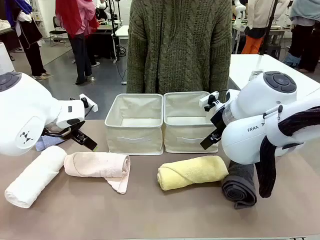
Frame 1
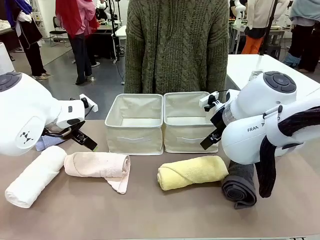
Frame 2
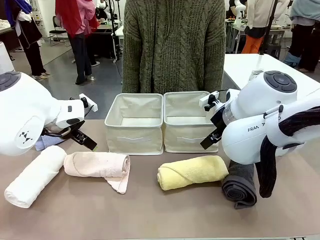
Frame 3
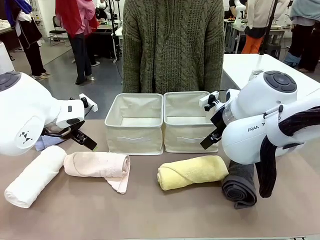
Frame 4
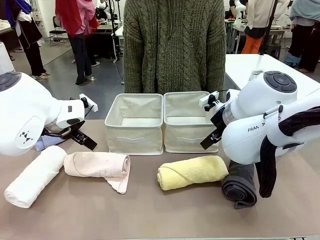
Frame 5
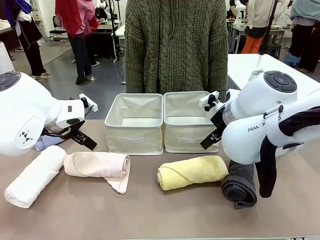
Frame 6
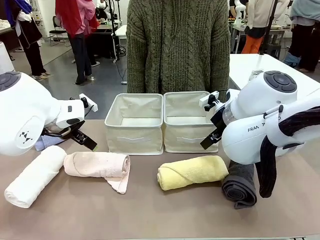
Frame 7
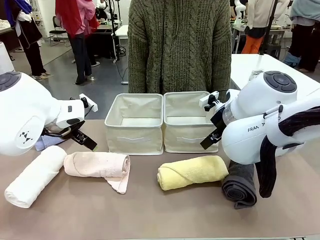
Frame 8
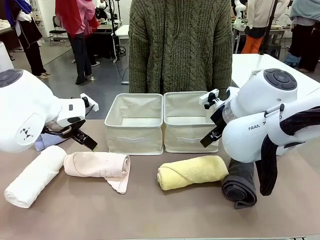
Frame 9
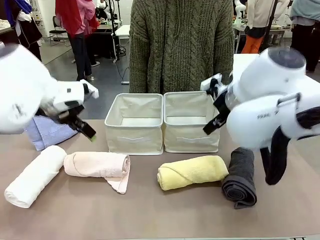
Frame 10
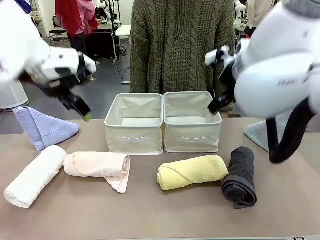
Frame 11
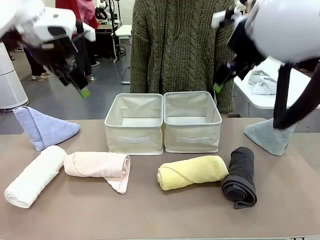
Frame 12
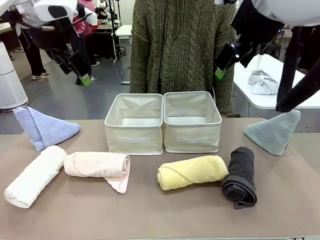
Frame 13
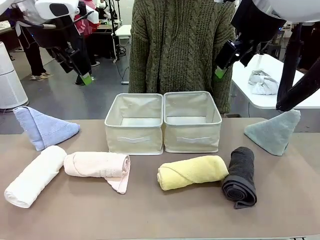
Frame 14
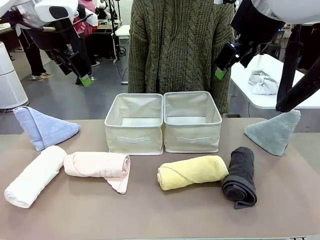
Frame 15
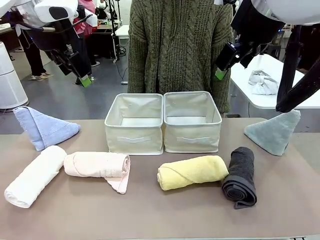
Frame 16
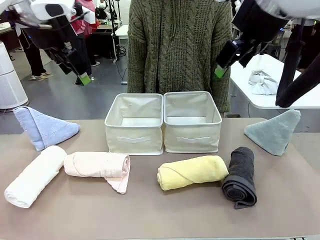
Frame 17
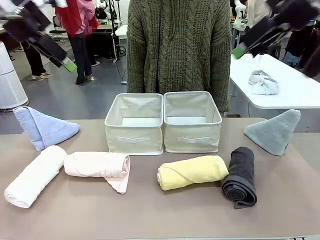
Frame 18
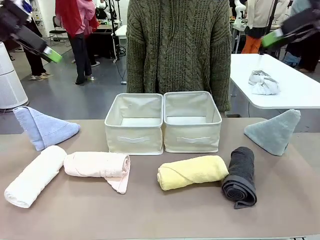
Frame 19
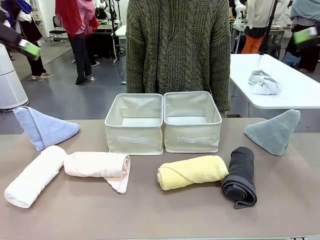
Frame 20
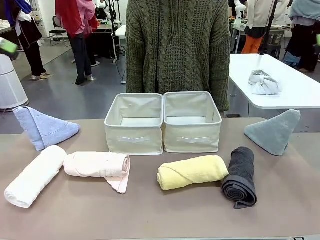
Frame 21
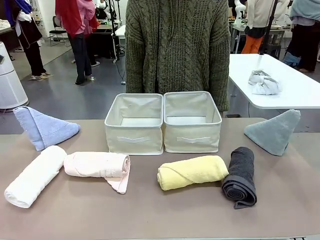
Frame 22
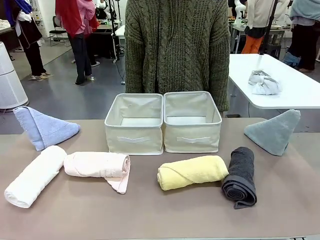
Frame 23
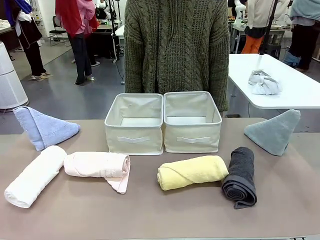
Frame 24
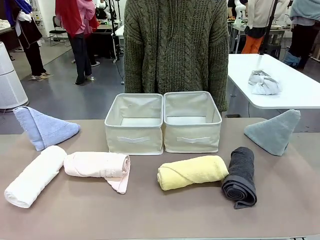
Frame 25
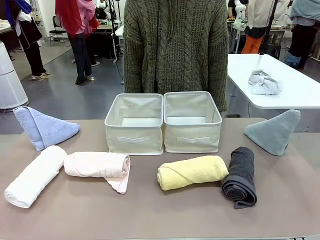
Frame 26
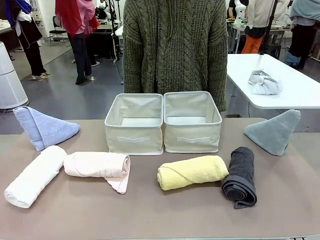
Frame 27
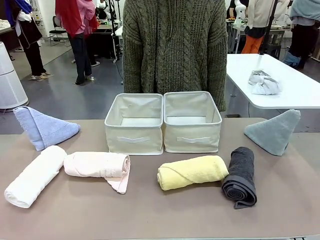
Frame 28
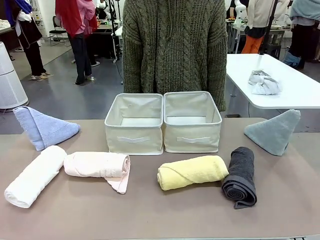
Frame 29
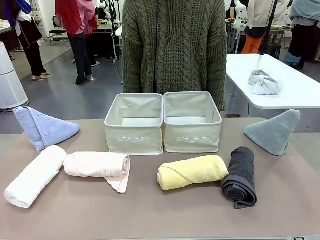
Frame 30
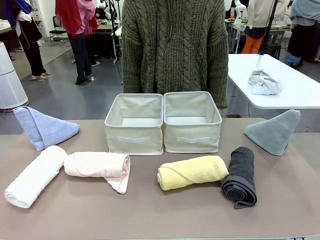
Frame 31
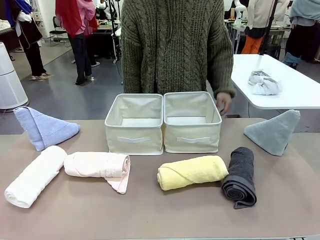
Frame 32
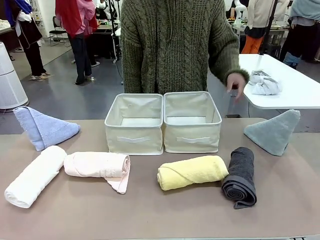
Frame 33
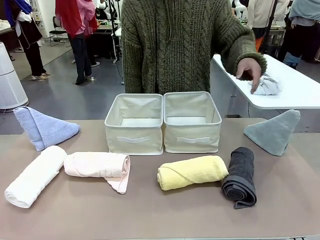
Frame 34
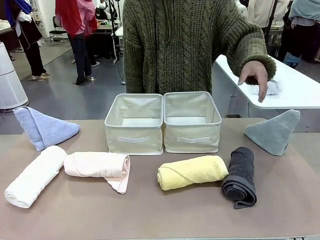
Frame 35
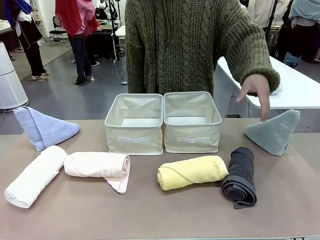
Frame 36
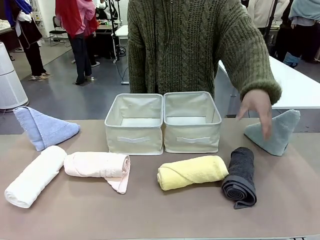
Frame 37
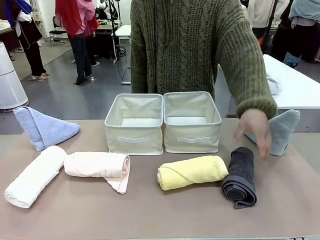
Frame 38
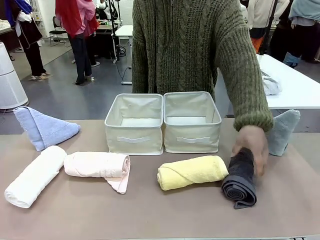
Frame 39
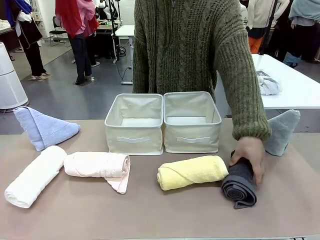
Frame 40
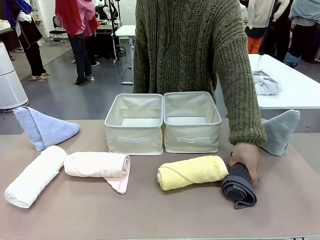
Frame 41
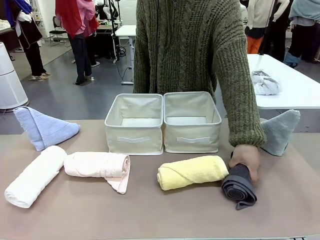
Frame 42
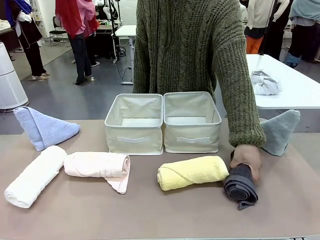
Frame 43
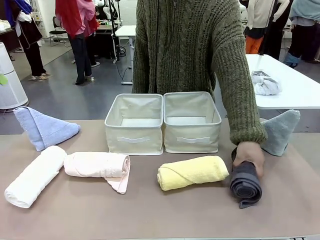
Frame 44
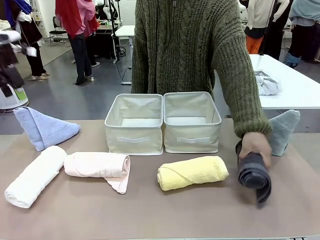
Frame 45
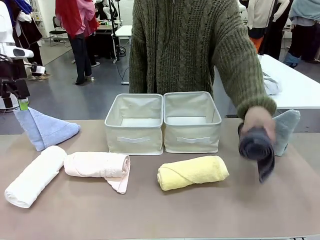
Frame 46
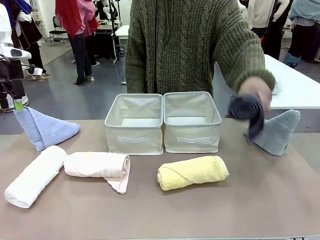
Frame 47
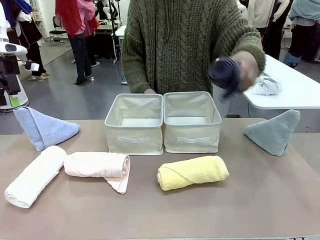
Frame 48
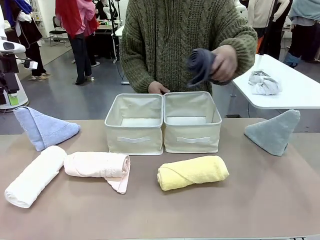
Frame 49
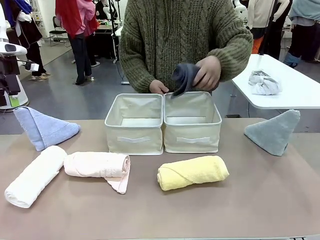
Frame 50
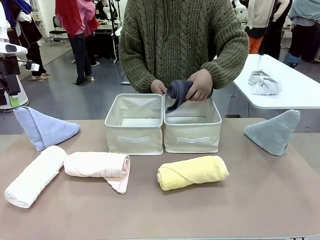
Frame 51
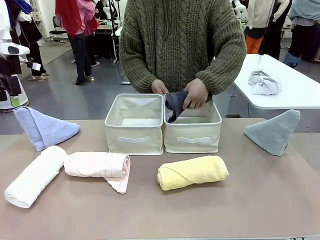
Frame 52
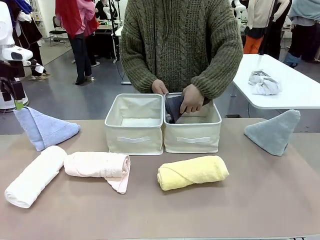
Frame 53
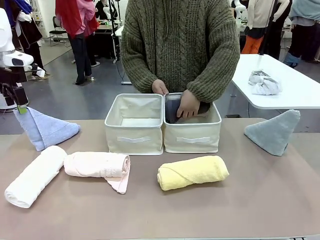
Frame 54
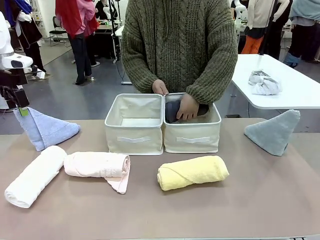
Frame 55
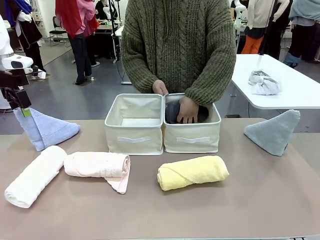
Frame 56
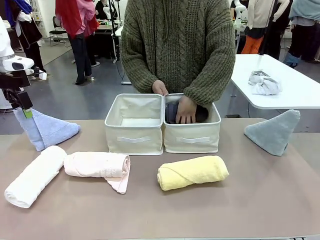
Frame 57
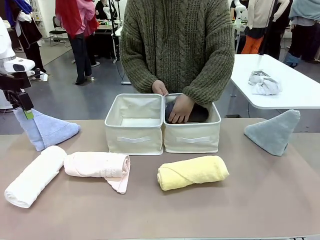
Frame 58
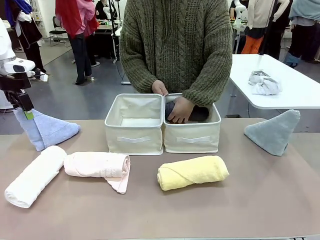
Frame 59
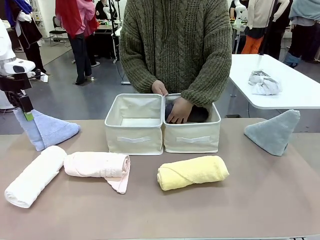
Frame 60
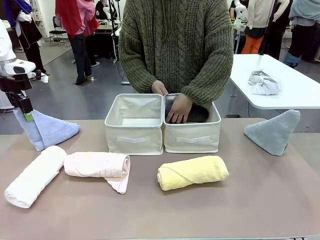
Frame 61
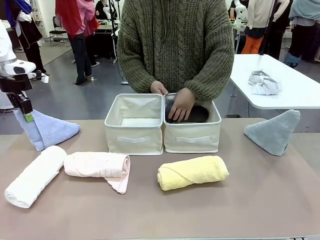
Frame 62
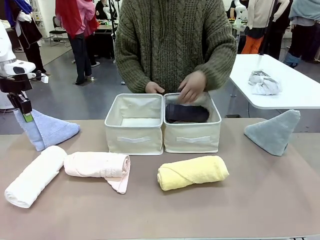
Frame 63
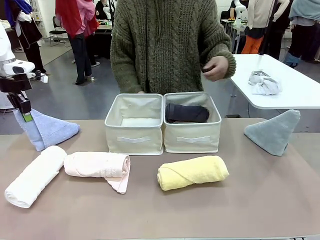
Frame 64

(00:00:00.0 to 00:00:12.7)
Task: Sort the towels based on their folding style.
Robot: Pick up one triangle-folded towel and place it in the left Fabric basket.
Person: Pick up one hotel-style rolled towel and place it in the left fabric basket.

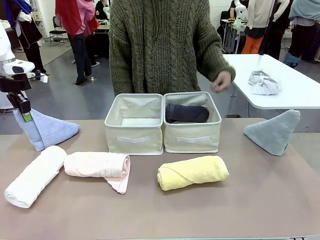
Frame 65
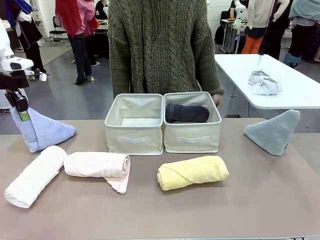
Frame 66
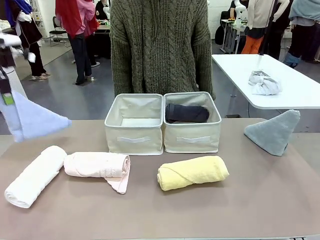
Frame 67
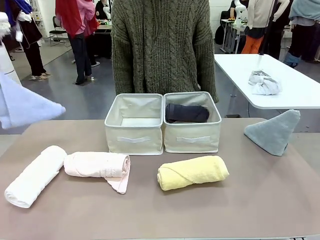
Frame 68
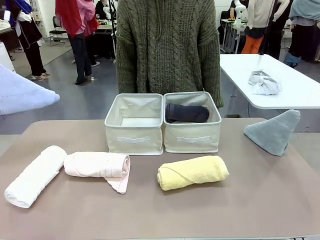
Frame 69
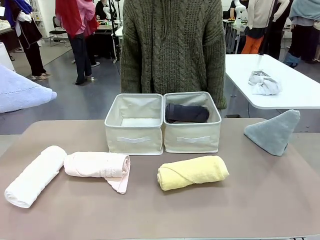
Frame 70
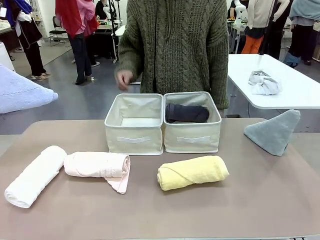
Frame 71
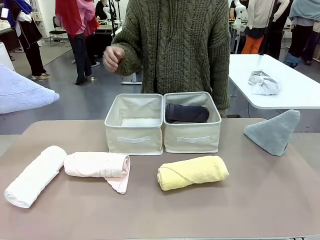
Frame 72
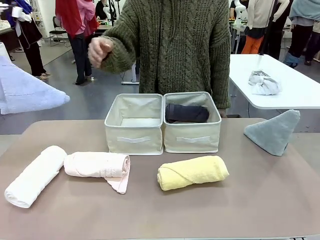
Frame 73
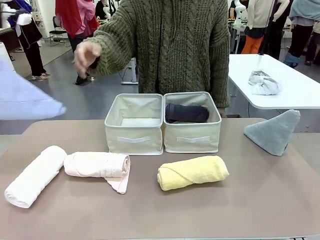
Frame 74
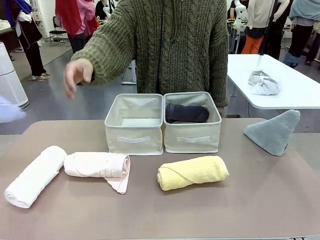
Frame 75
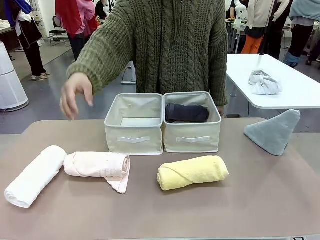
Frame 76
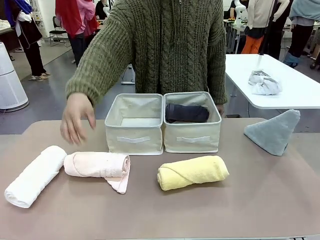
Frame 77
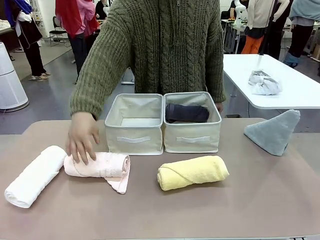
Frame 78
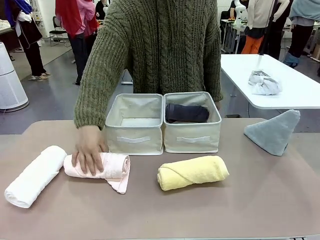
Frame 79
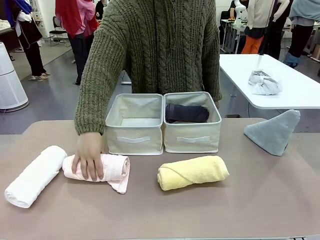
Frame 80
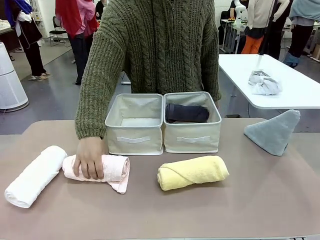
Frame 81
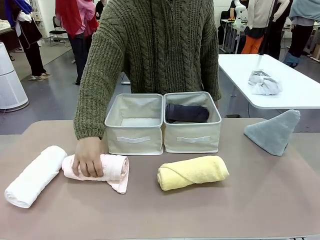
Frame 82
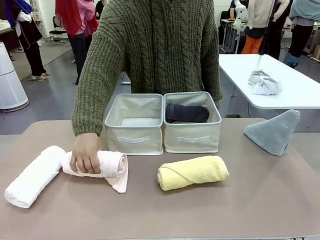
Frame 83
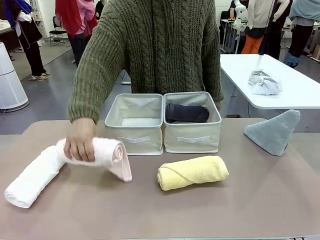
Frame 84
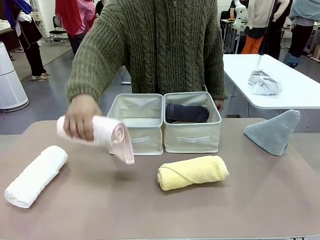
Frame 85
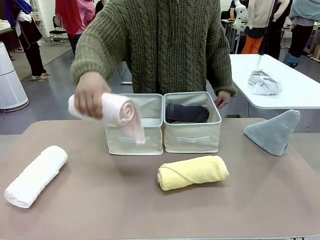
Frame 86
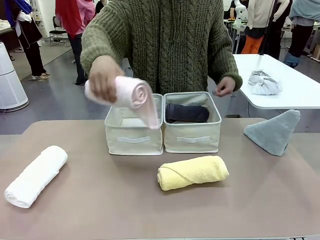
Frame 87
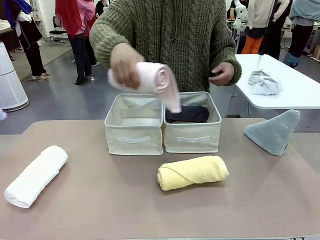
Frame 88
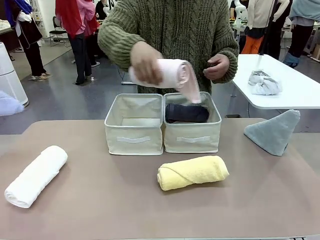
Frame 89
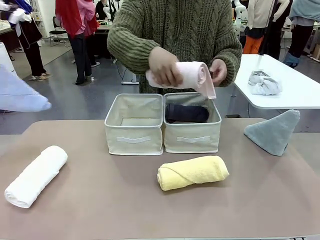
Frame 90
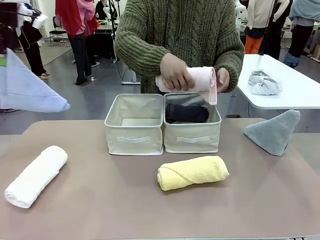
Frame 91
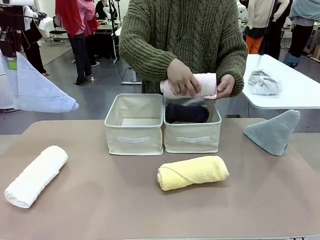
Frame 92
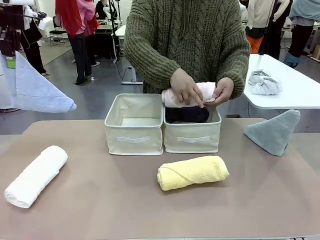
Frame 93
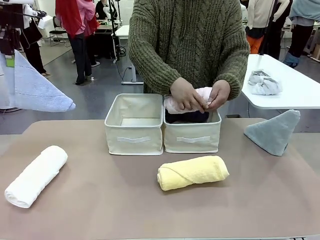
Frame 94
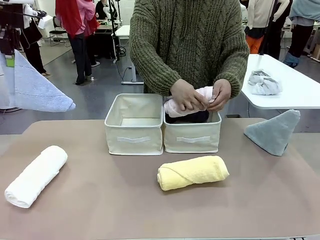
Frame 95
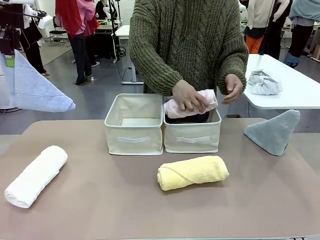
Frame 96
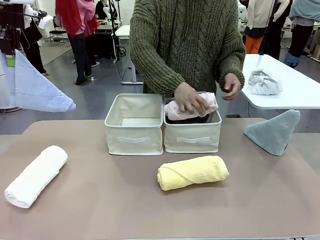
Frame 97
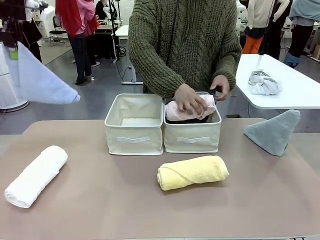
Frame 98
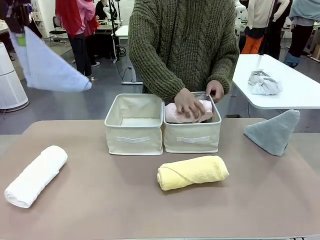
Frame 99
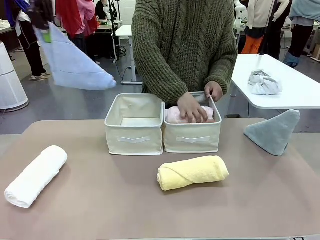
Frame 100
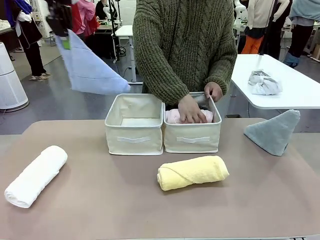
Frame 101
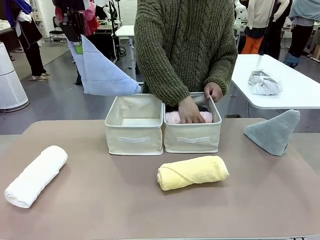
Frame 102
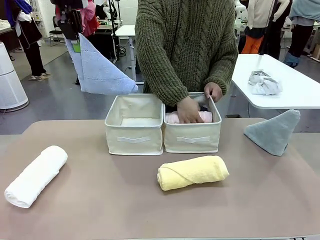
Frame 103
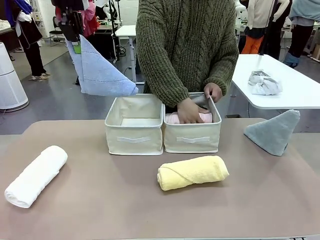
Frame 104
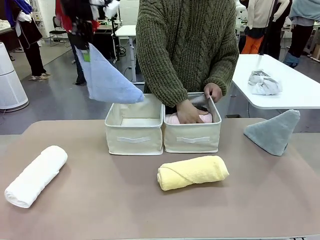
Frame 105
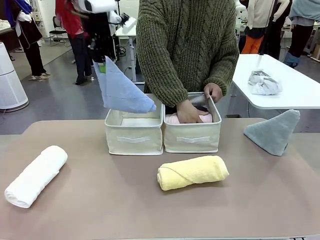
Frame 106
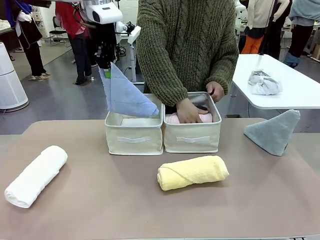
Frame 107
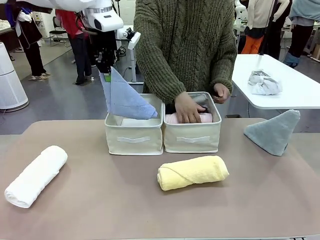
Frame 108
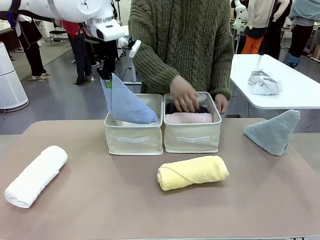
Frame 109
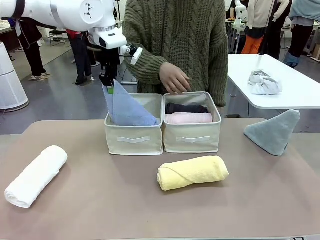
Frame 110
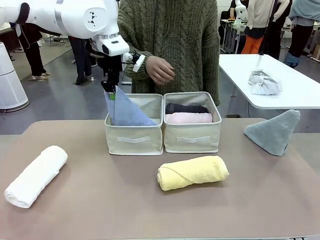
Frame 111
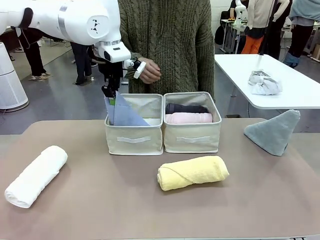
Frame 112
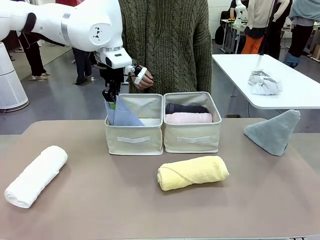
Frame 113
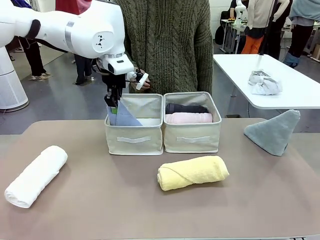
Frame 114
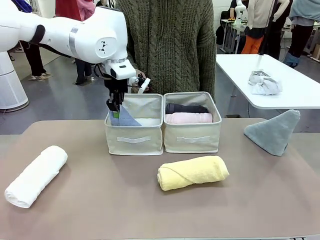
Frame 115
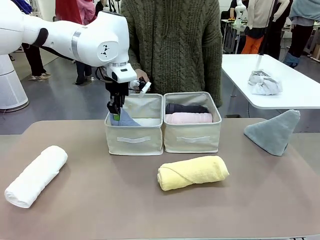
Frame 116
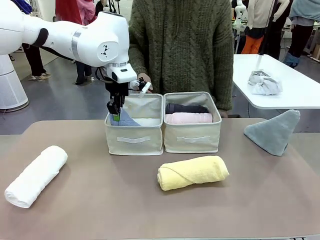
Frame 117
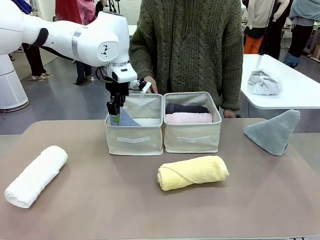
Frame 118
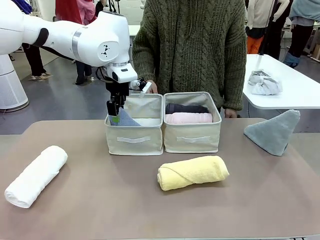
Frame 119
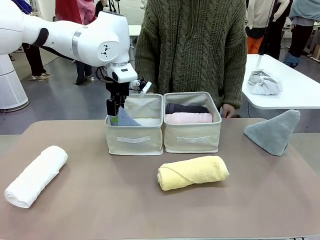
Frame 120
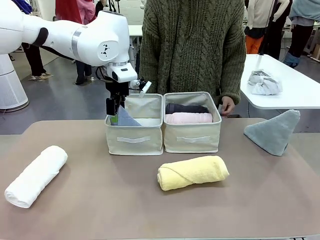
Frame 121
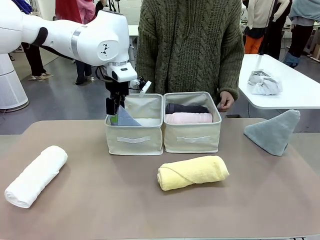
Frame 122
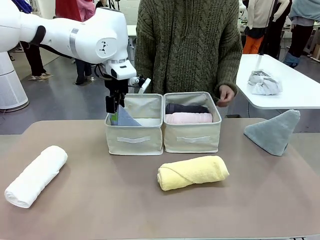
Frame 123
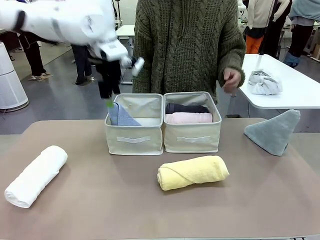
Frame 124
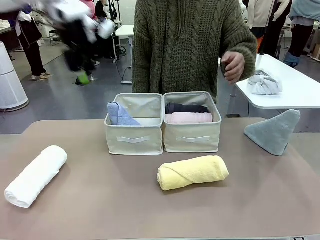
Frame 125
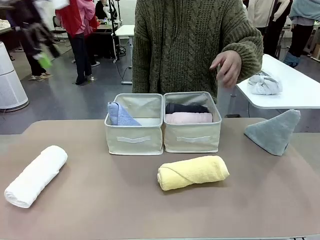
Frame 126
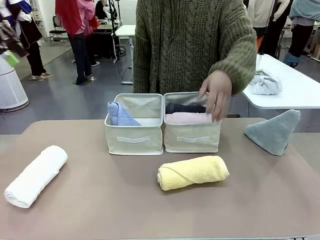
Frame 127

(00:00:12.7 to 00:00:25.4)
Robot: Pick up one triangle-folded towel and place it in the left Fabric basket.
